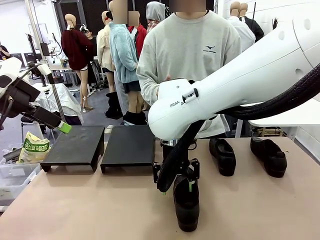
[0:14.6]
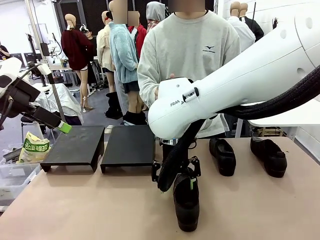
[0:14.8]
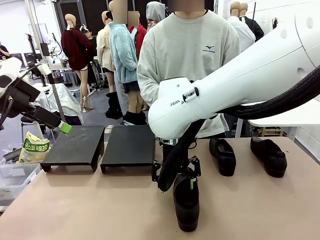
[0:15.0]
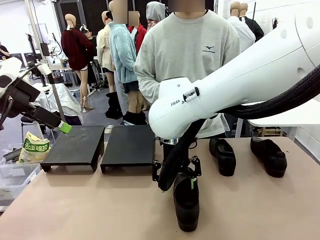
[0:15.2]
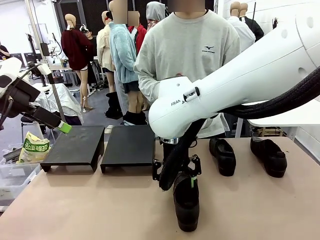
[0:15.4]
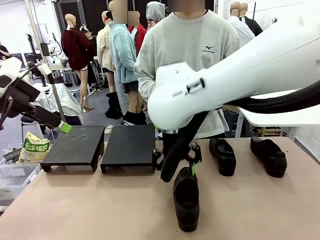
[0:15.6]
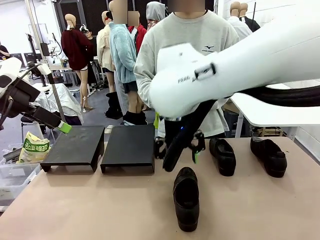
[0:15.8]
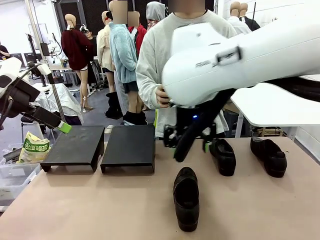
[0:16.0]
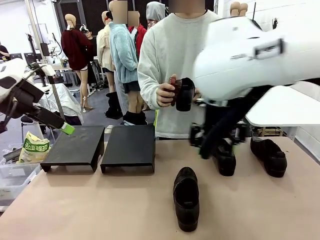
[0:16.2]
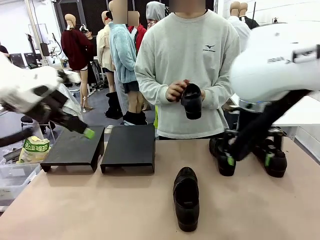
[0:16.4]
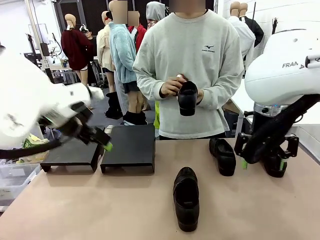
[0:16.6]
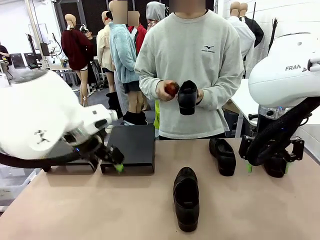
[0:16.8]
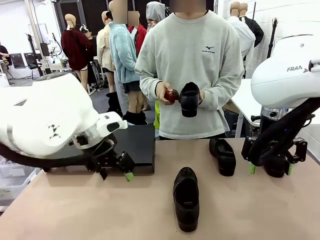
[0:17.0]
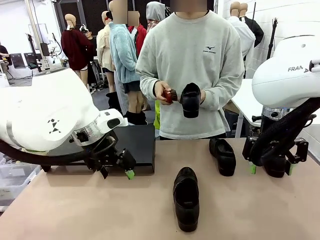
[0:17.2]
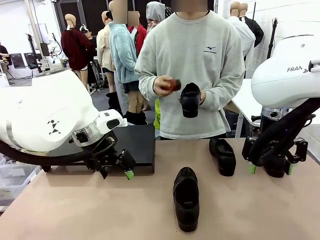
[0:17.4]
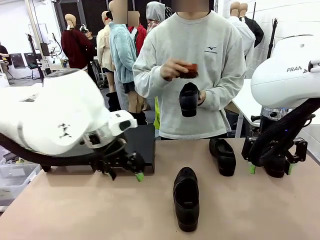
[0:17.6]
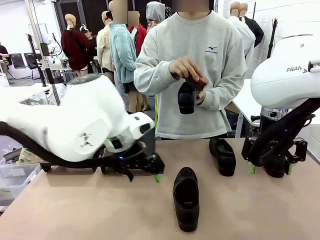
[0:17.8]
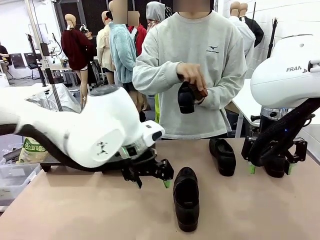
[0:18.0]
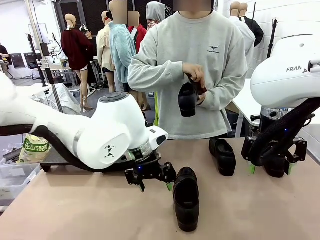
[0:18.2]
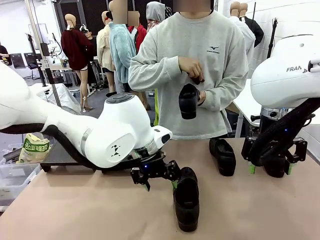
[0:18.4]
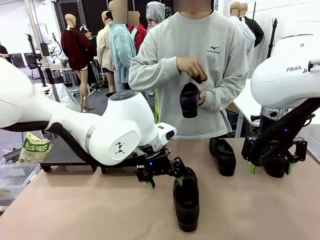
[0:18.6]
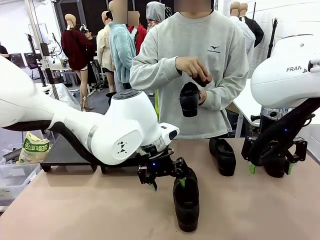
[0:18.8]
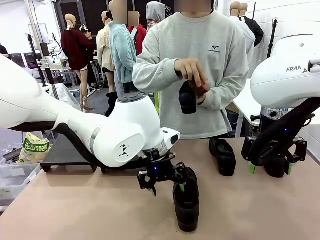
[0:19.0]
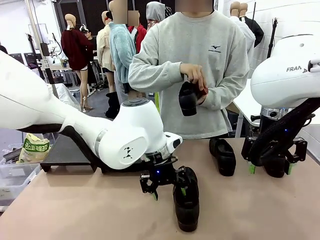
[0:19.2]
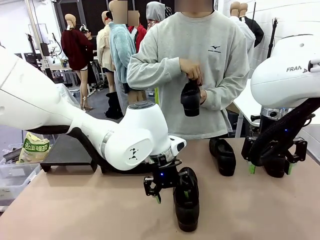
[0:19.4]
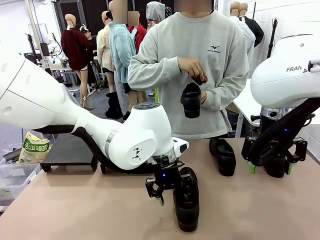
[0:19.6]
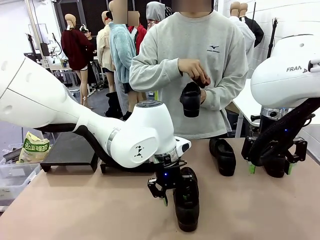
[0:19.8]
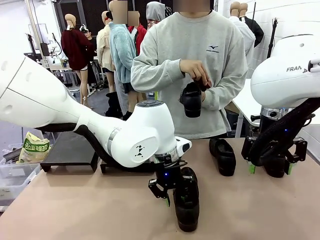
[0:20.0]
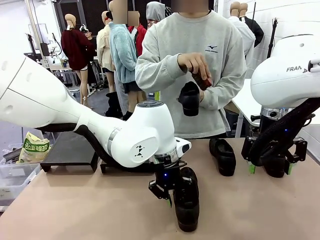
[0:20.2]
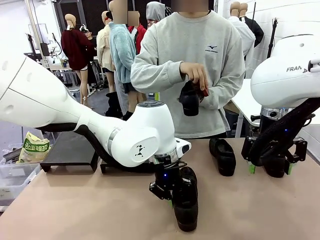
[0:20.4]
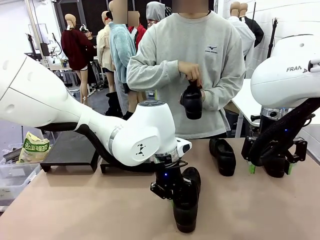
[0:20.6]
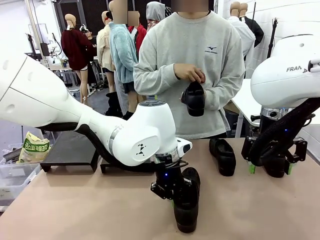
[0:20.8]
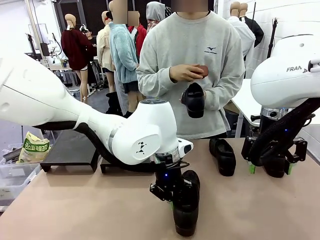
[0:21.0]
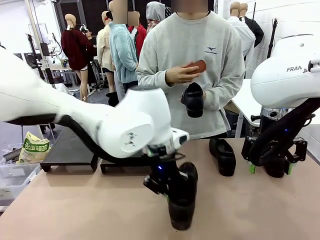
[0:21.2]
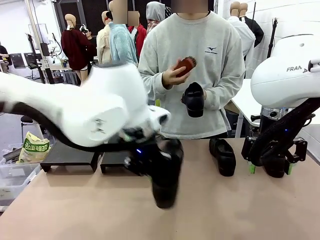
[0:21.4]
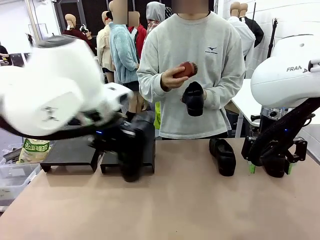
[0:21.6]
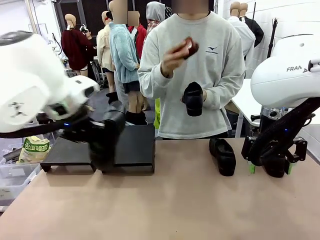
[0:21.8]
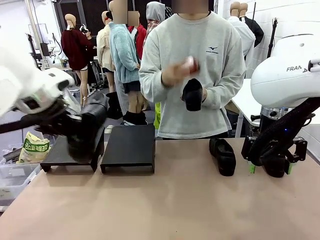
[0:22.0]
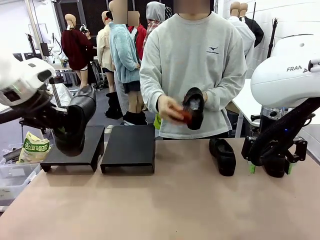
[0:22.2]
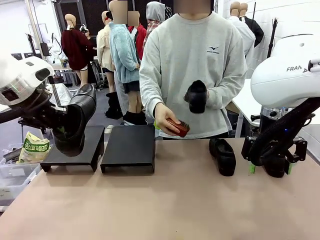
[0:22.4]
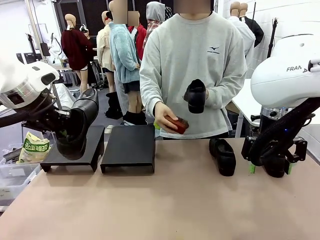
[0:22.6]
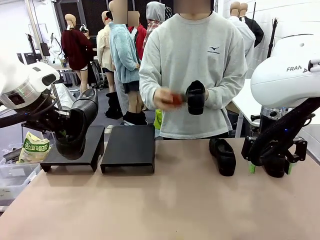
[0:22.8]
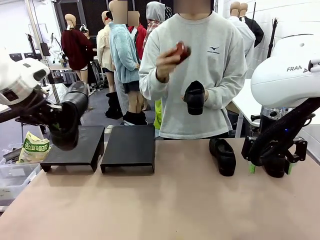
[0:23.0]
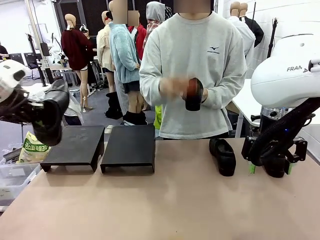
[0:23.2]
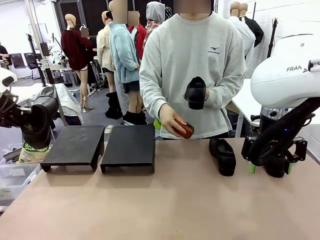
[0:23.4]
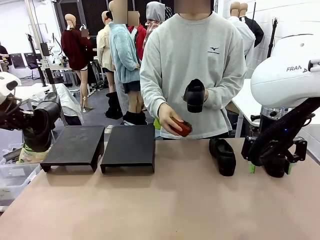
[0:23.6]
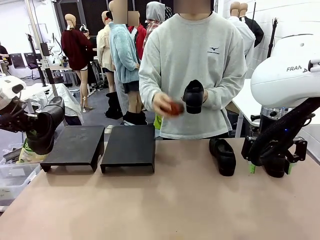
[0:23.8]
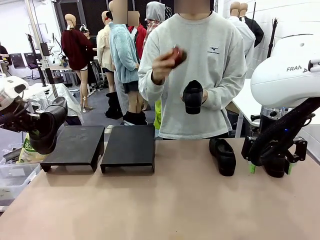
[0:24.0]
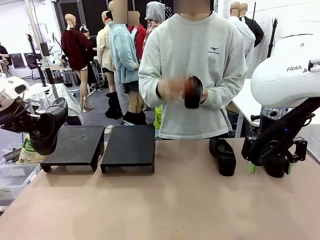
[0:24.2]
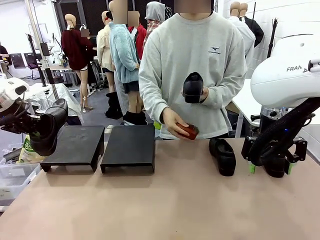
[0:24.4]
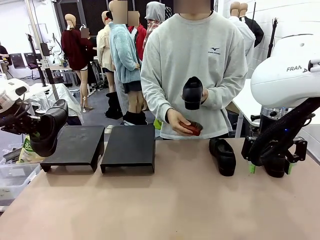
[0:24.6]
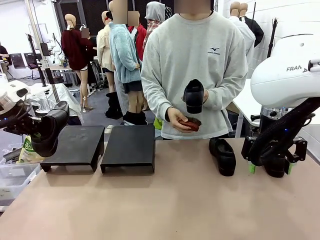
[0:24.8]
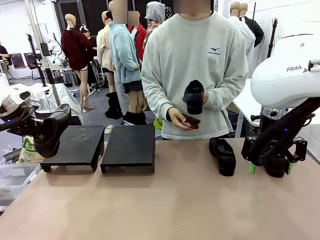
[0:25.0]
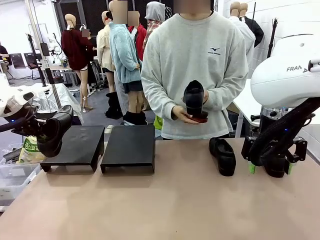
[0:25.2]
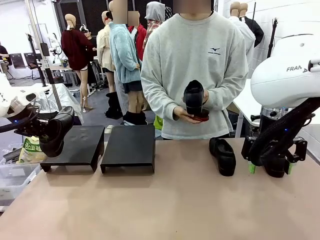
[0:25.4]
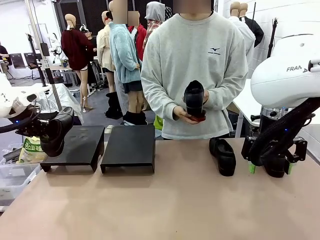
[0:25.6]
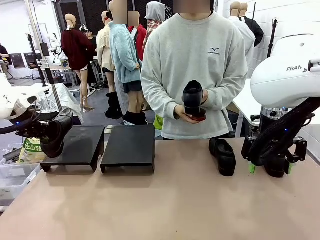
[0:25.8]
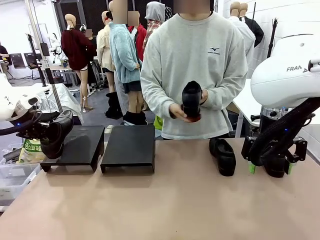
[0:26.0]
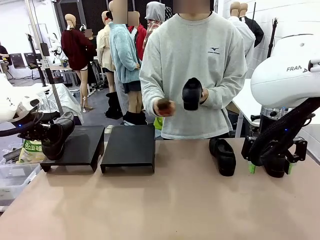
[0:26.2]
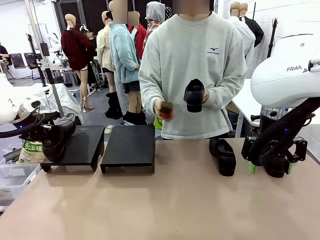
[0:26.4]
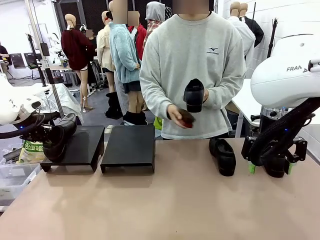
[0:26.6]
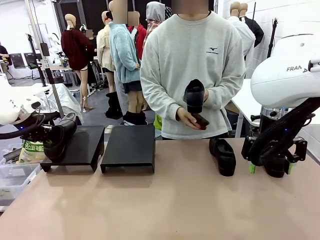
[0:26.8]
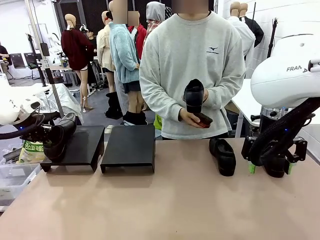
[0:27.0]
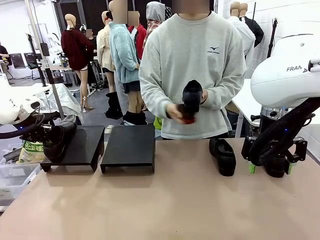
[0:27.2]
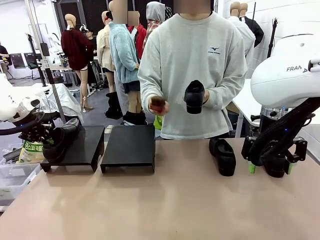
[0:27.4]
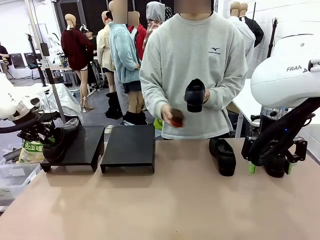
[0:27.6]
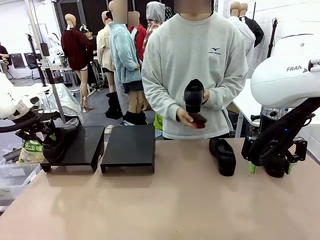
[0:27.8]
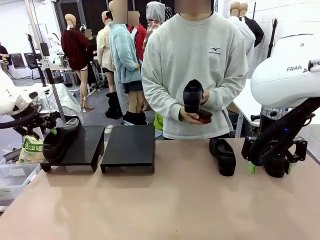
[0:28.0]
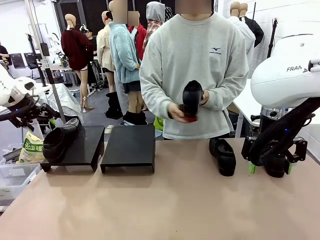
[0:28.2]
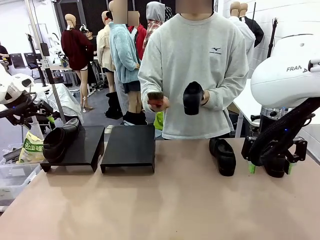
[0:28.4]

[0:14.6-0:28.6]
Task: Organize the shoes by placing them on the stand.
Robot: Place the Shoe from the middle of the table onto the Shoes Stand.
Person: Clean the Shoe with the Shoe Brush.
